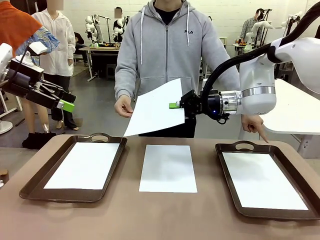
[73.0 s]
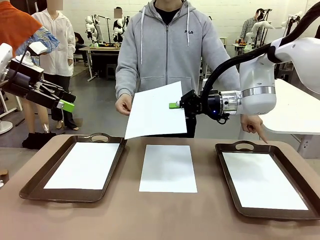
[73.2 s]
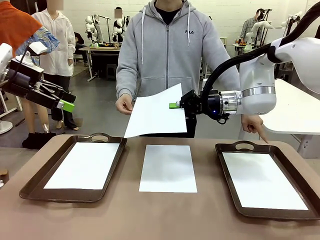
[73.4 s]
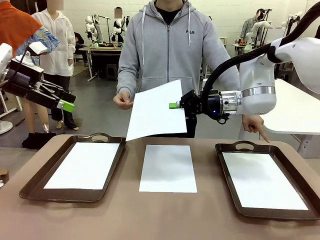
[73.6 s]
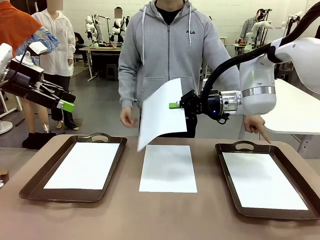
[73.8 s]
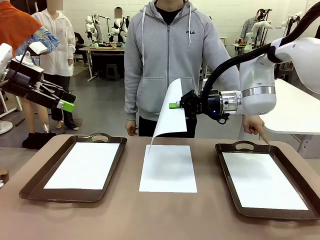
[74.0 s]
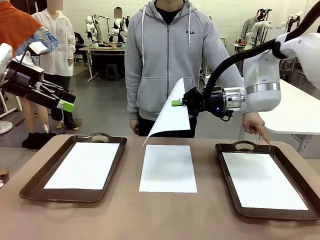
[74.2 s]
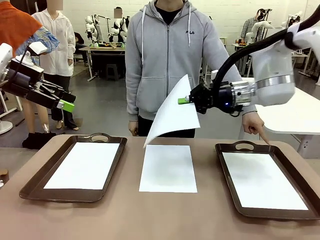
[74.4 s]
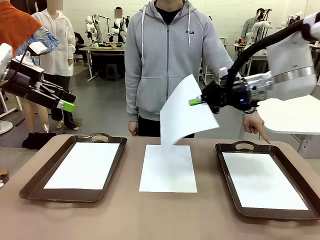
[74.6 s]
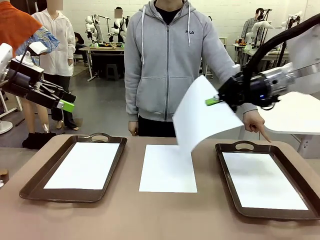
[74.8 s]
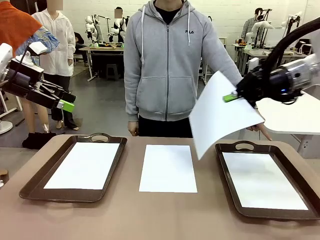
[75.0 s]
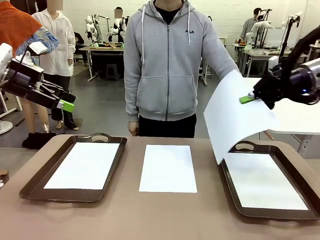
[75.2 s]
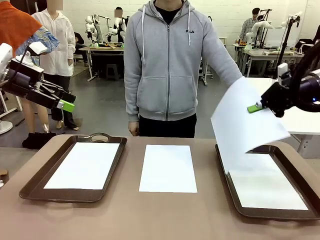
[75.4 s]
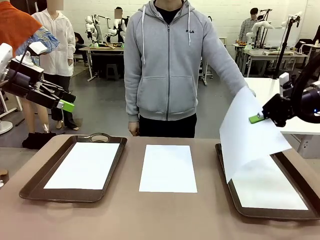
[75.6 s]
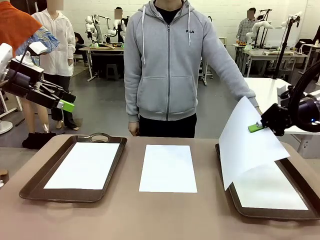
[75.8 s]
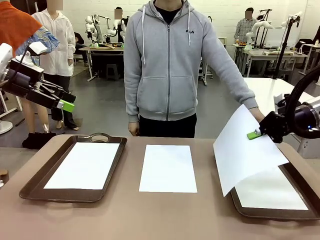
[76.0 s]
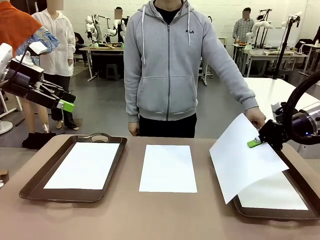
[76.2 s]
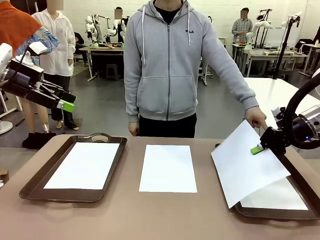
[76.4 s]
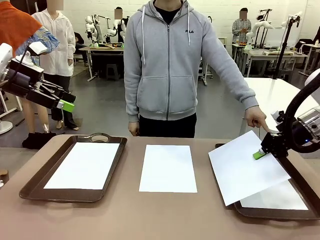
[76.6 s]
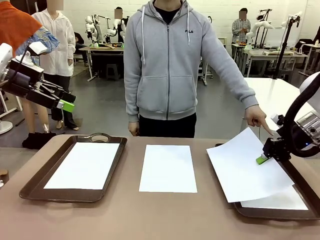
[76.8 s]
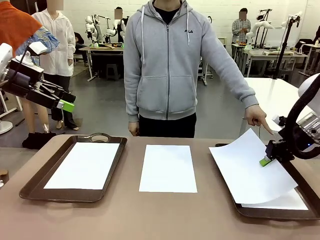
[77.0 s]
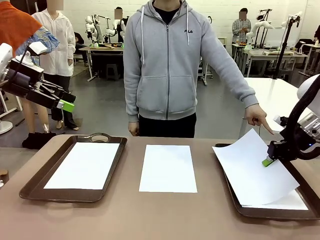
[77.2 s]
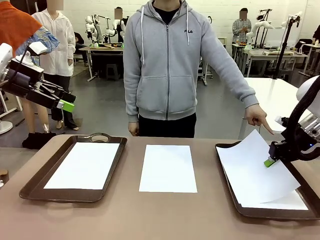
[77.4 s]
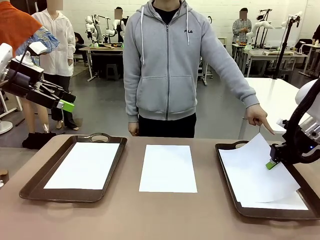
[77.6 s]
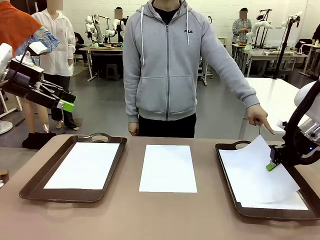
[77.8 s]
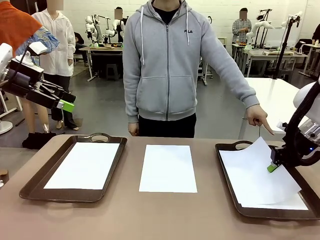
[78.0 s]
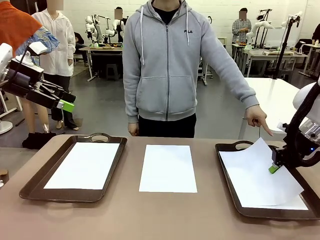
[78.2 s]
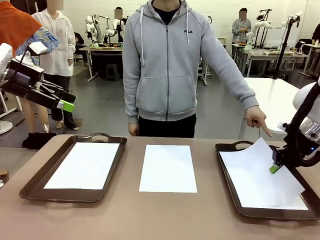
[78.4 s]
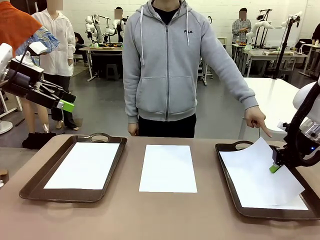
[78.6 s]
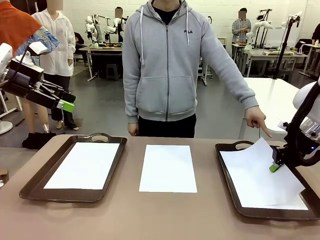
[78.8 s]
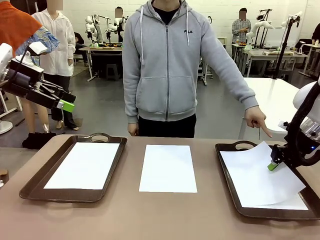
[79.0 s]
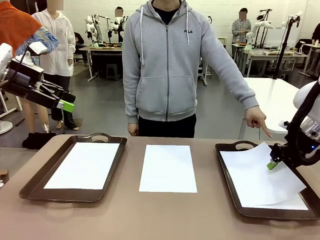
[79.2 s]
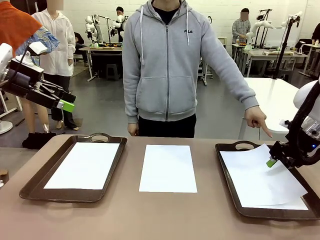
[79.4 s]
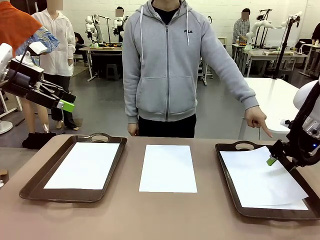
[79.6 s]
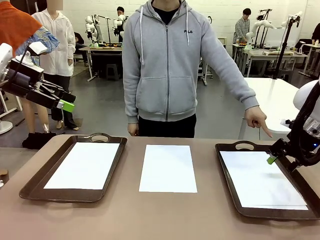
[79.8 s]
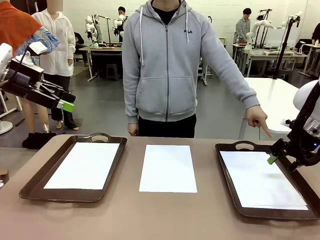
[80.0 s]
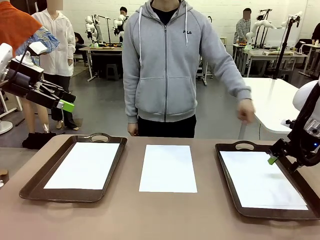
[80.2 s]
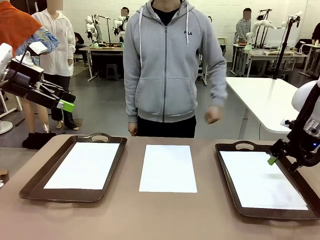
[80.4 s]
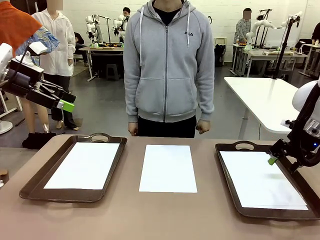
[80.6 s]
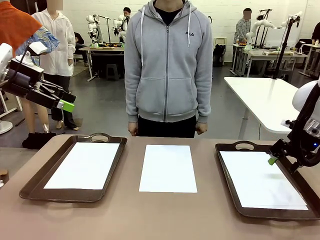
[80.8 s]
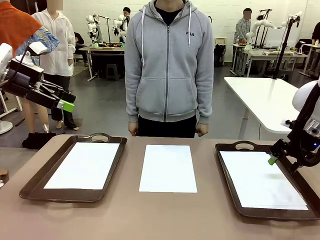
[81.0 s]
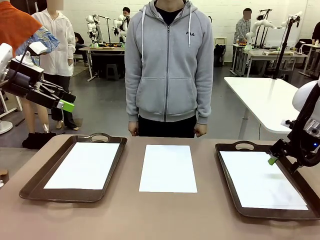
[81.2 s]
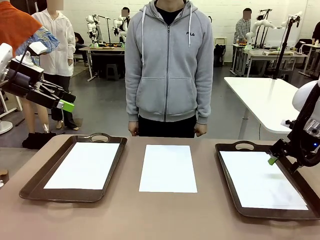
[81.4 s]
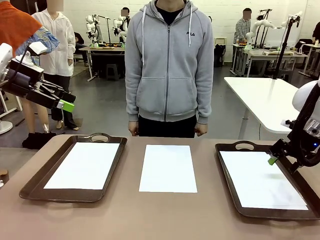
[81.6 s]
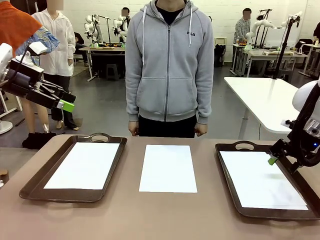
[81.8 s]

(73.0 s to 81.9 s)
Task: Sort the A4 documents.
Robot: Place the A4 Paper in the designated Handle tray.

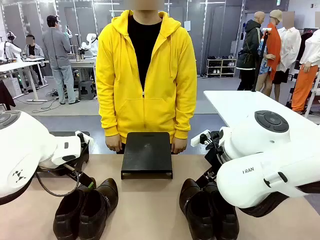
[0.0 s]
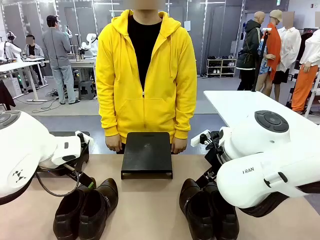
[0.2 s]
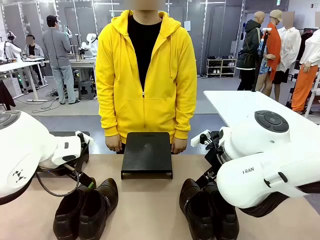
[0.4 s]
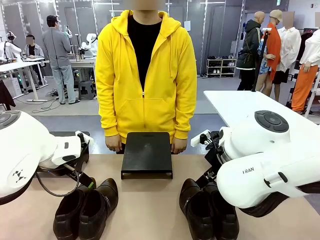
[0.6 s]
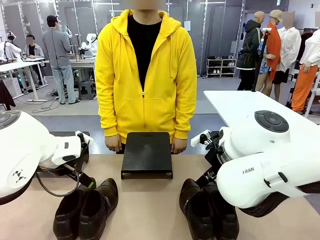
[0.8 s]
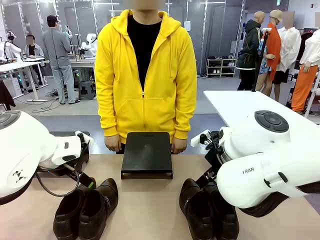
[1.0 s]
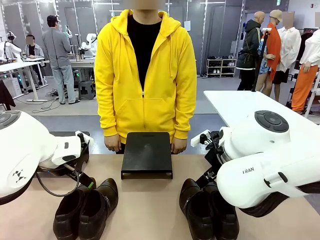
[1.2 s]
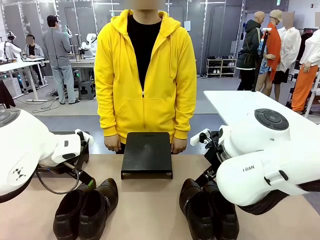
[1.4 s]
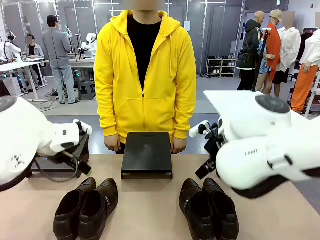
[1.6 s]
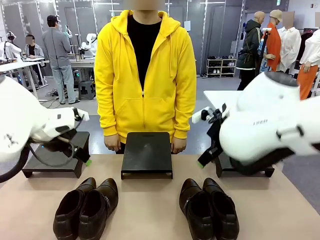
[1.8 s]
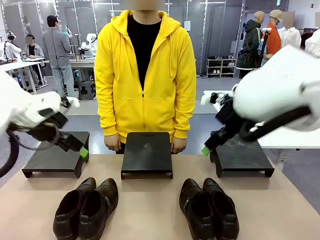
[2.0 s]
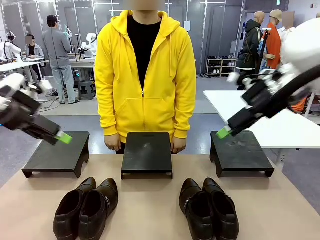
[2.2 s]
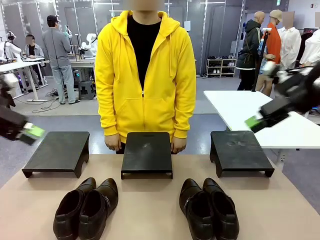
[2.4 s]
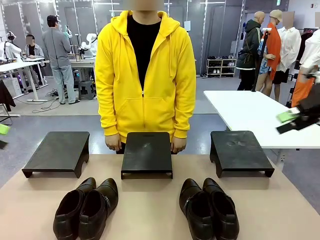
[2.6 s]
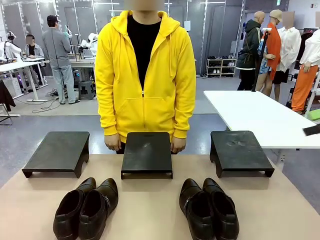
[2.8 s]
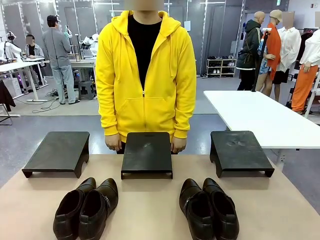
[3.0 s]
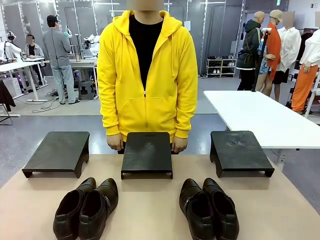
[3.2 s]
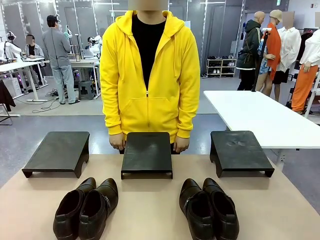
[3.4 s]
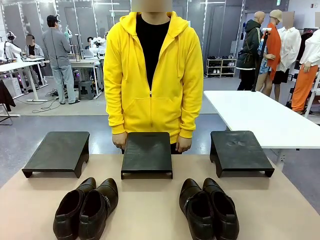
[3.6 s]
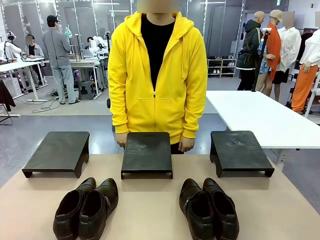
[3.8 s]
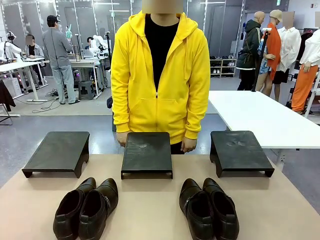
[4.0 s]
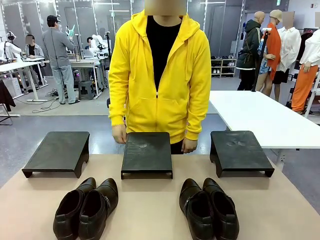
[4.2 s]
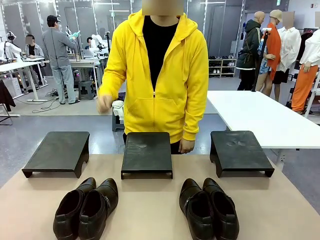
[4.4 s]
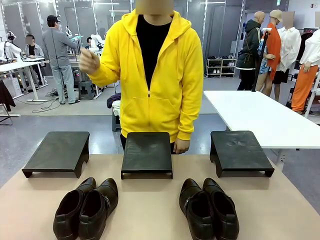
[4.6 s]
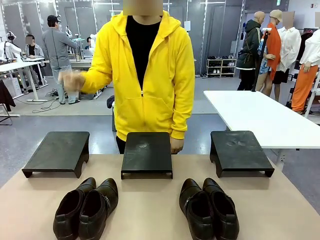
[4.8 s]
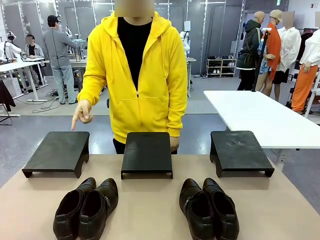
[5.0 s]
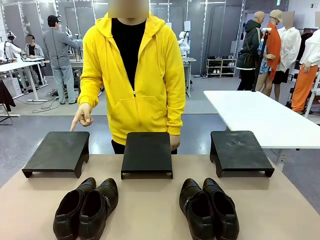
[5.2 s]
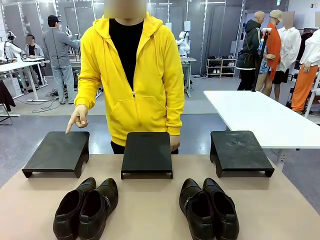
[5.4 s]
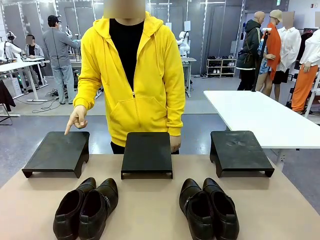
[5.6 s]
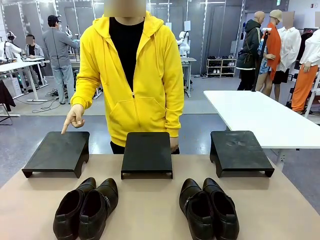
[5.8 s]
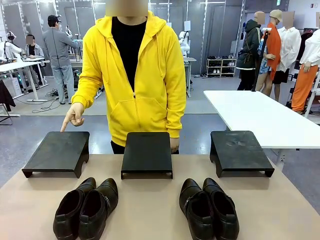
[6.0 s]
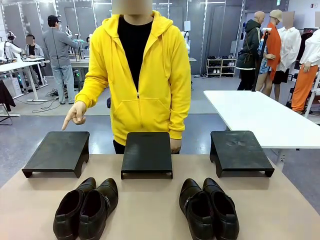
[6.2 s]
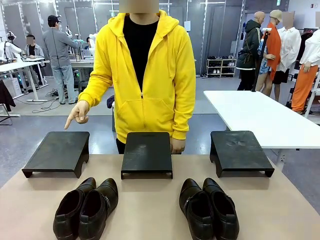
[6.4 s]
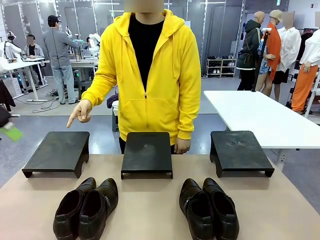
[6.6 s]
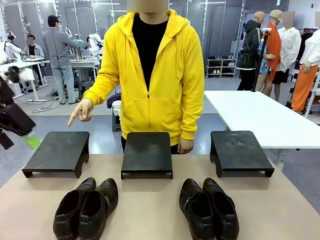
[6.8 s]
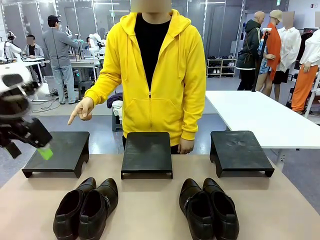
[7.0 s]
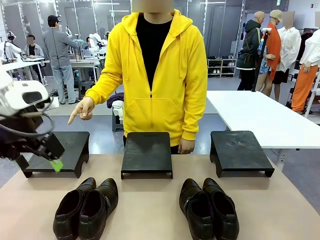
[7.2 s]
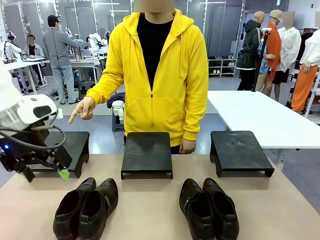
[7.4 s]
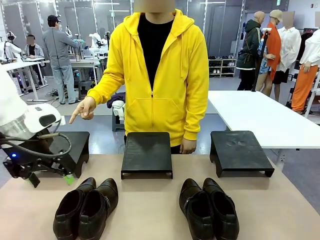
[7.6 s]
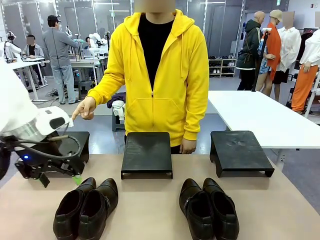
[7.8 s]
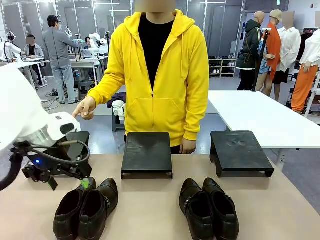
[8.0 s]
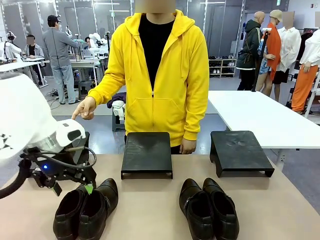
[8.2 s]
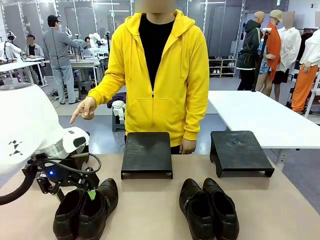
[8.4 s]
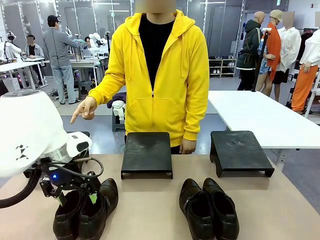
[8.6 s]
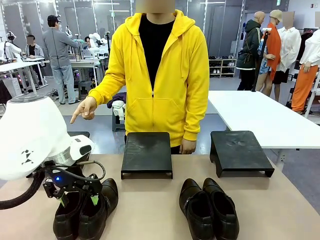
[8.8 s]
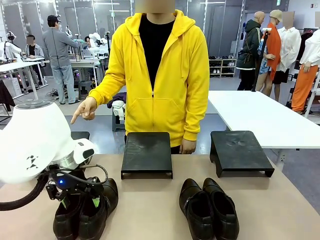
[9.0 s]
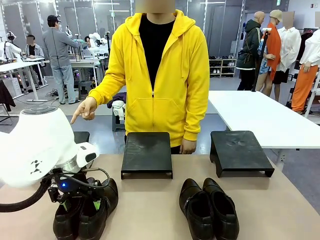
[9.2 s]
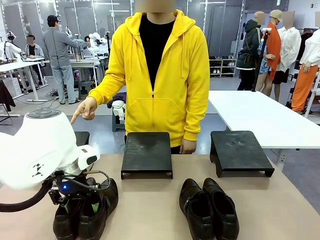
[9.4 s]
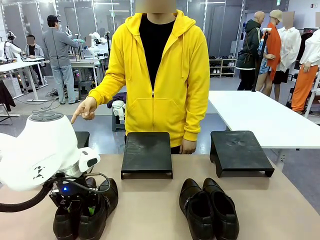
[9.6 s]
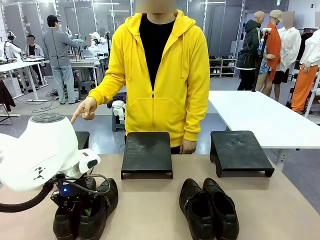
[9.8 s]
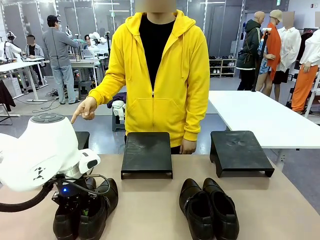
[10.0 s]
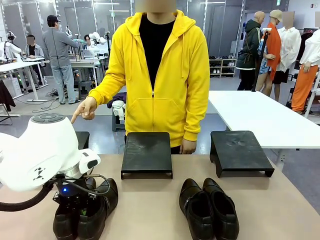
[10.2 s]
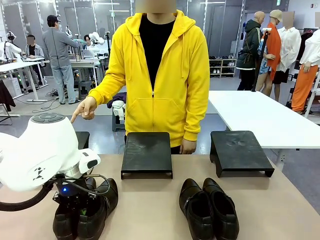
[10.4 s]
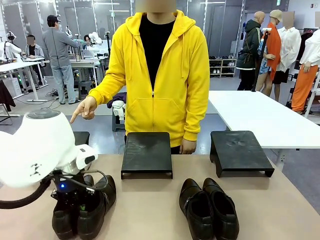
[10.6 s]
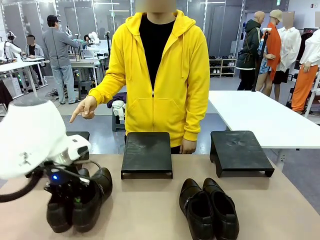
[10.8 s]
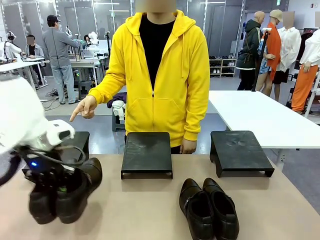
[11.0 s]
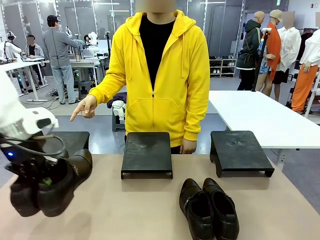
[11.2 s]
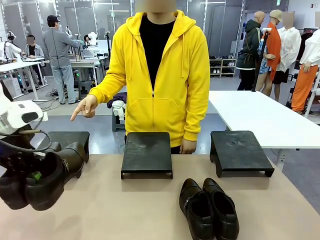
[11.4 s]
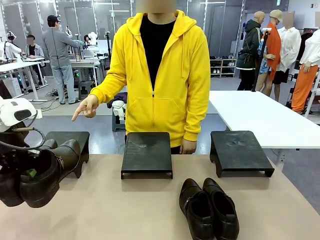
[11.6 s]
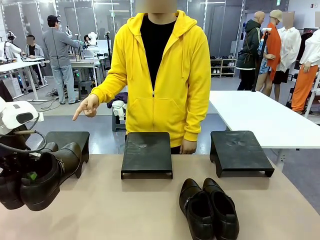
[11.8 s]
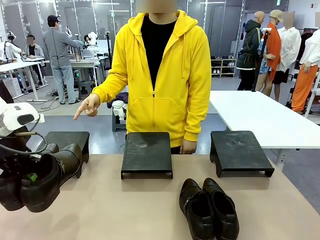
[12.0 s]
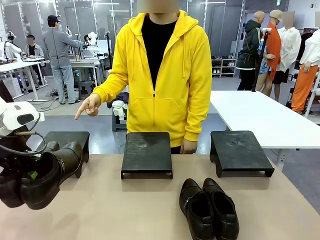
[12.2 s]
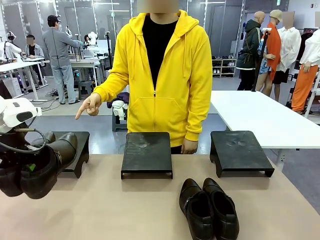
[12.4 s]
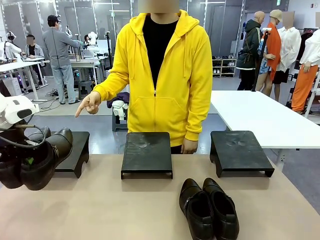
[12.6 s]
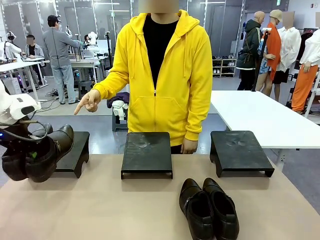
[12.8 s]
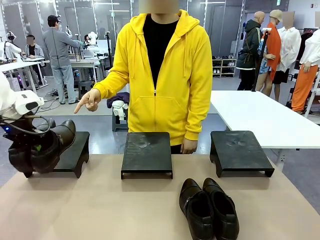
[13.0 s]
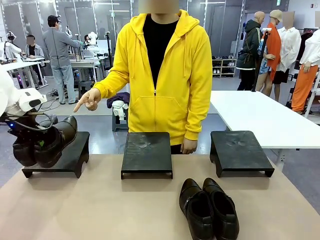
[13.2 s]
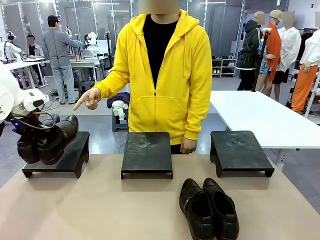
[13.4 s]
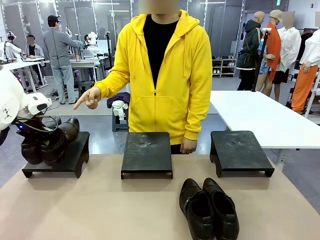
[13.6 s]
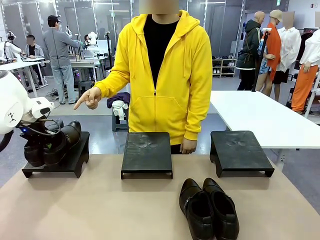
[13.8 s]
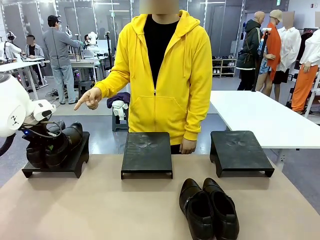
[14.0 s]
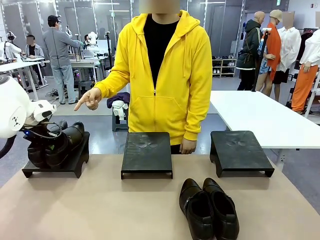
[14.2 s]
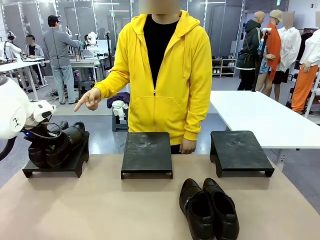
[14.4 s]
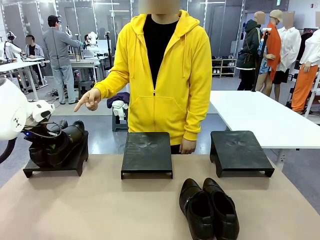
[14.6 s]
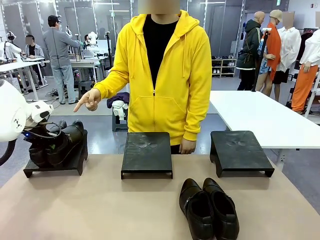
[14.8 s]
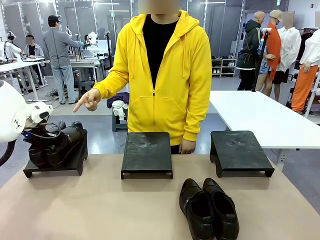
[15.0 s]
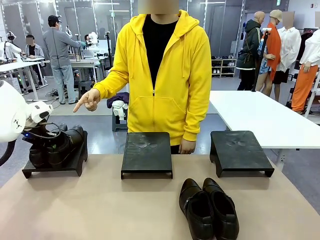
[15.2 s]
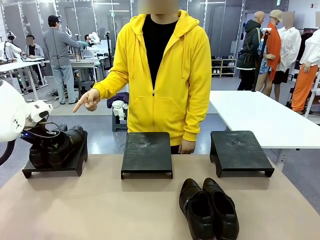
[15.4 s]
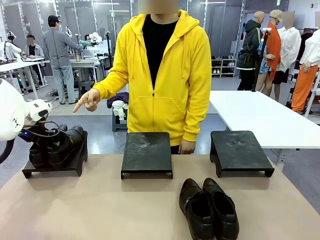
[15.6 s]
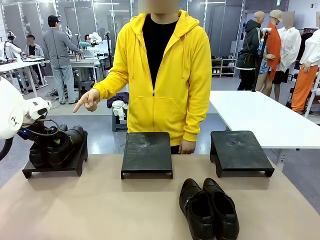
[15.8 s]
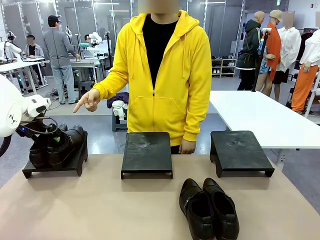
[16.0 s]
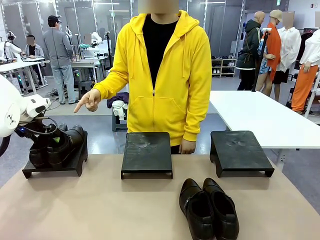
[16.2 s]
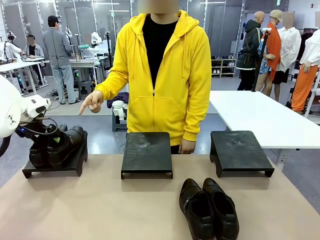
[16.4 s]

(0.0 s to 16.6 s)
Task: Place the shoes on the stand as instructed by the person.
Robot: Pick up one pair of Shoes and place it on the Shoes Stand indicated by the person.
